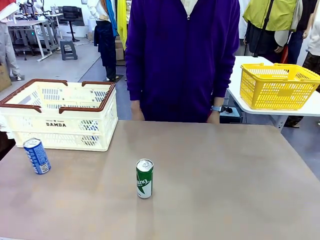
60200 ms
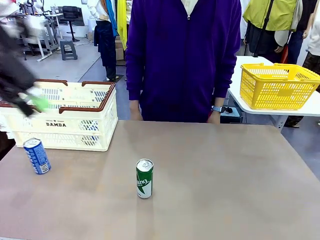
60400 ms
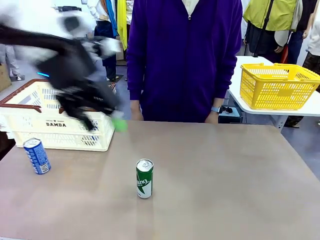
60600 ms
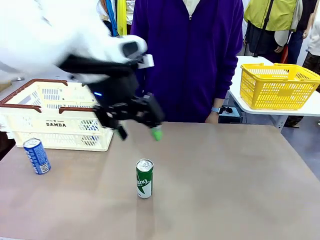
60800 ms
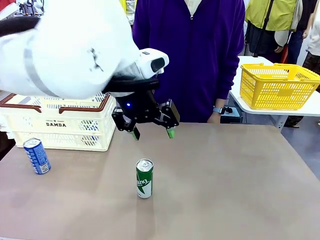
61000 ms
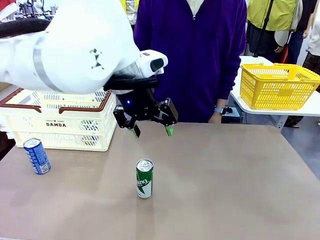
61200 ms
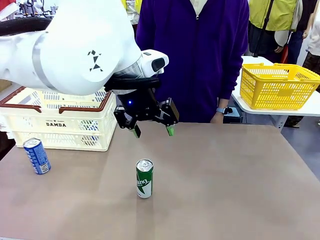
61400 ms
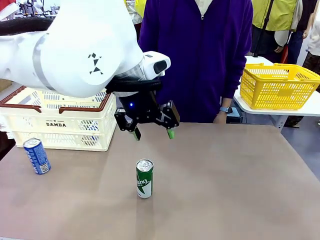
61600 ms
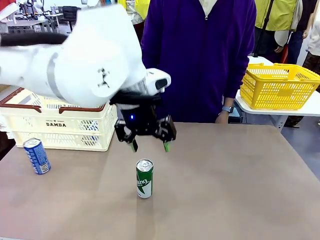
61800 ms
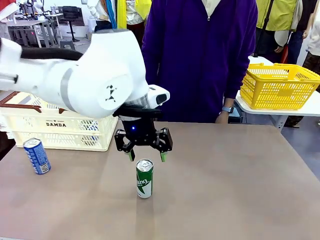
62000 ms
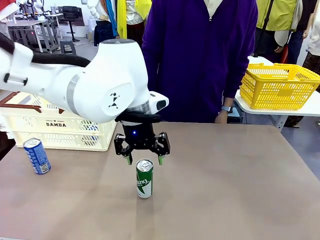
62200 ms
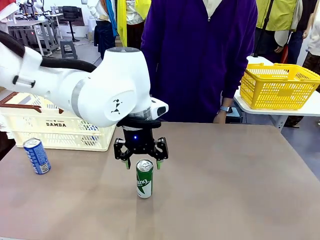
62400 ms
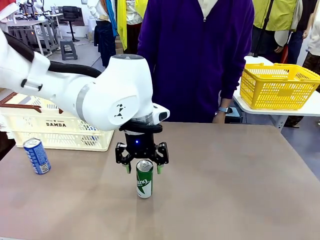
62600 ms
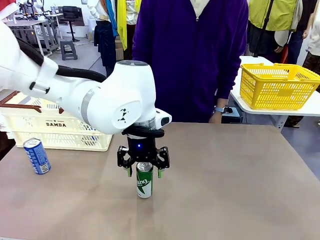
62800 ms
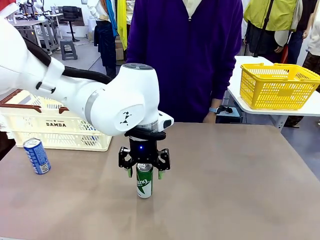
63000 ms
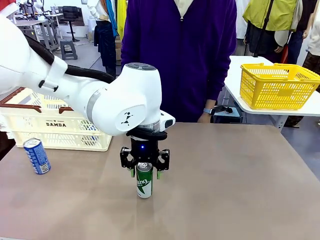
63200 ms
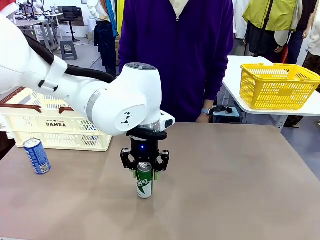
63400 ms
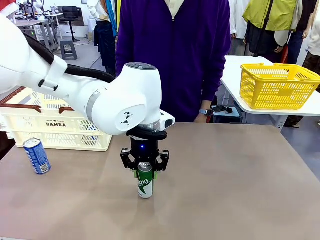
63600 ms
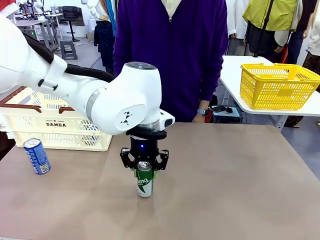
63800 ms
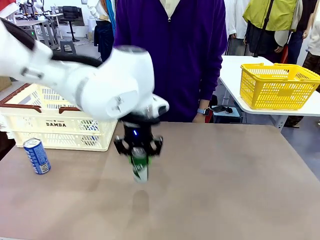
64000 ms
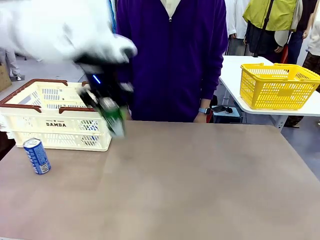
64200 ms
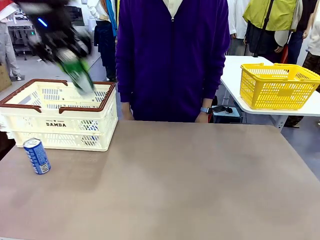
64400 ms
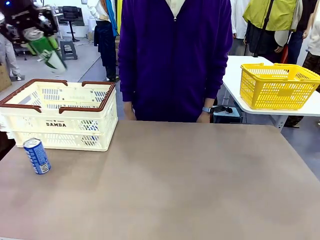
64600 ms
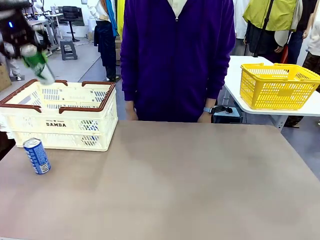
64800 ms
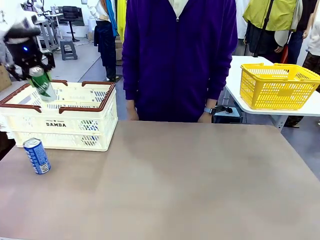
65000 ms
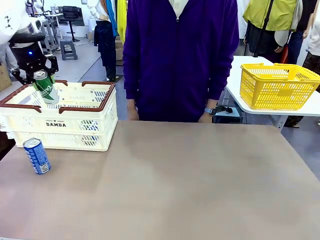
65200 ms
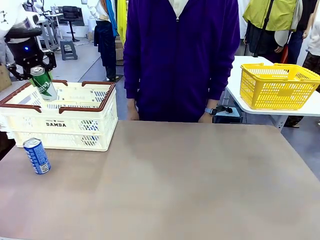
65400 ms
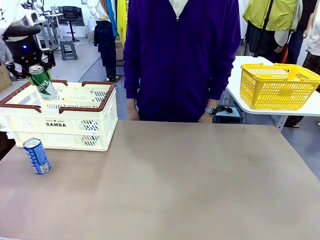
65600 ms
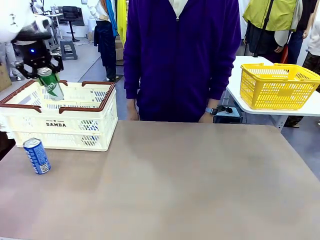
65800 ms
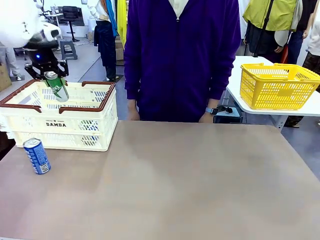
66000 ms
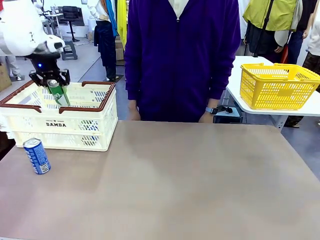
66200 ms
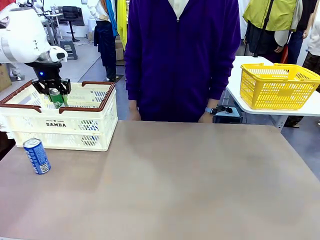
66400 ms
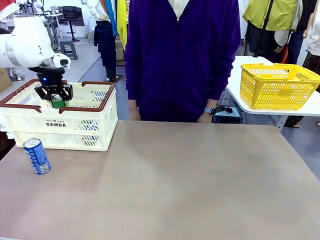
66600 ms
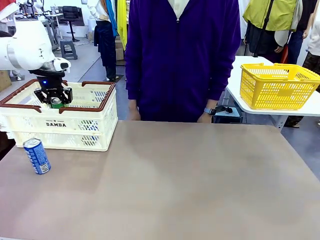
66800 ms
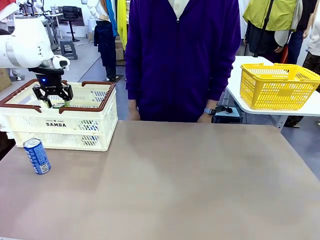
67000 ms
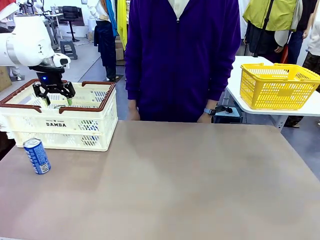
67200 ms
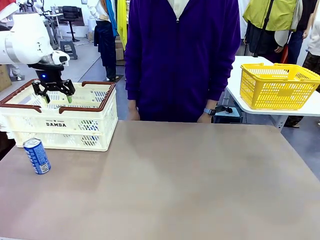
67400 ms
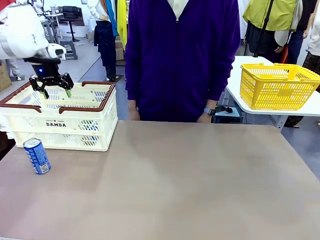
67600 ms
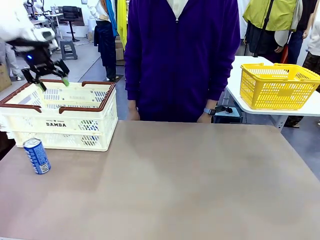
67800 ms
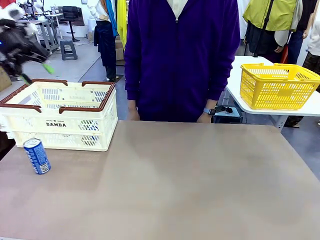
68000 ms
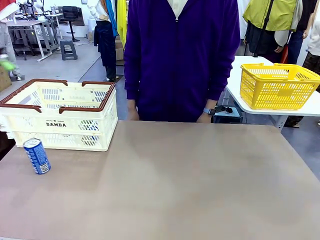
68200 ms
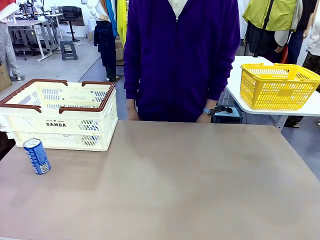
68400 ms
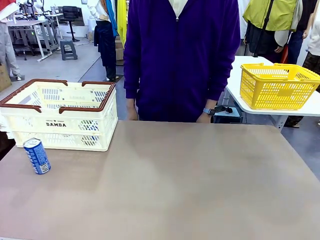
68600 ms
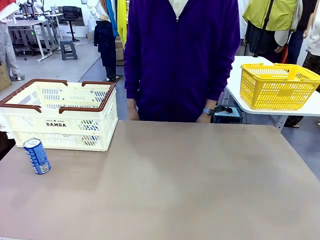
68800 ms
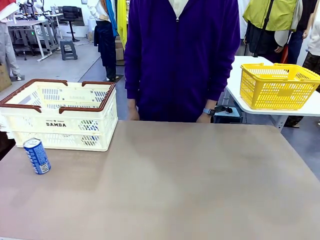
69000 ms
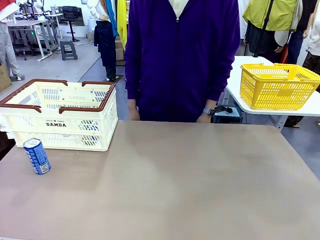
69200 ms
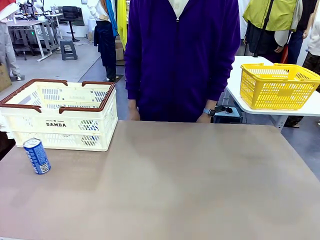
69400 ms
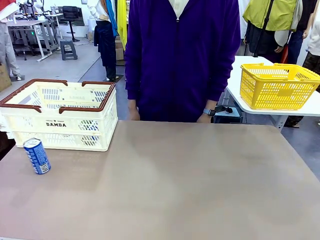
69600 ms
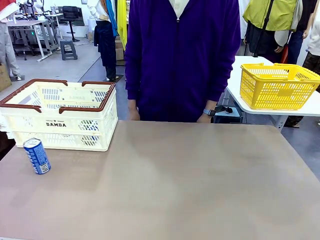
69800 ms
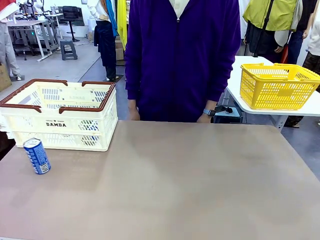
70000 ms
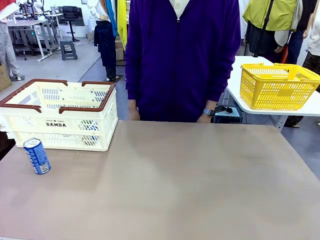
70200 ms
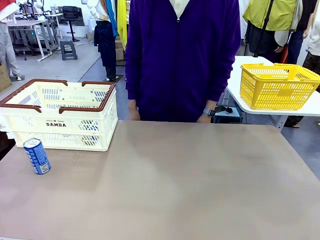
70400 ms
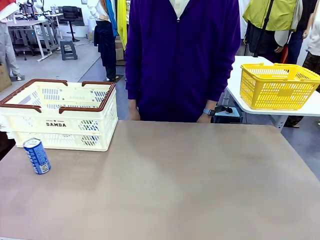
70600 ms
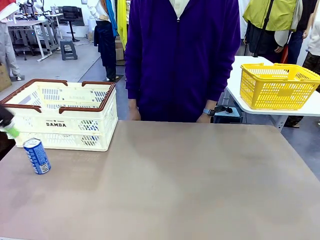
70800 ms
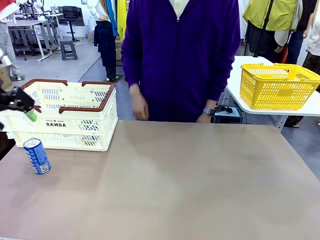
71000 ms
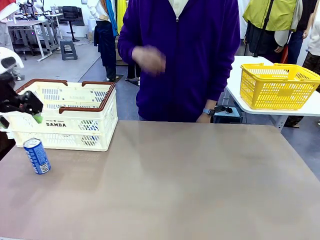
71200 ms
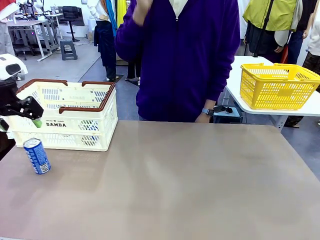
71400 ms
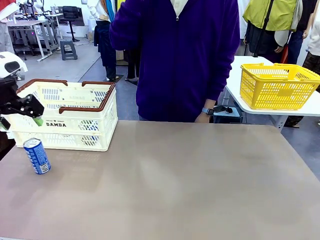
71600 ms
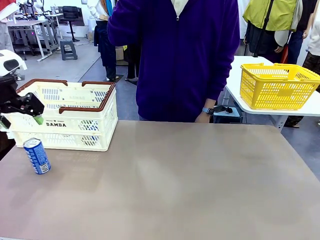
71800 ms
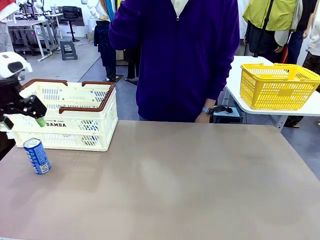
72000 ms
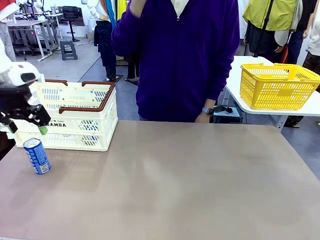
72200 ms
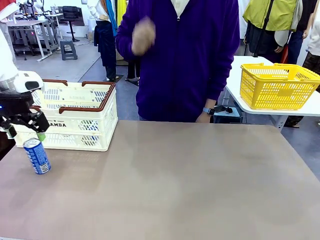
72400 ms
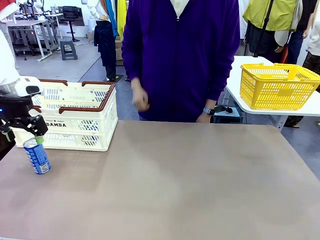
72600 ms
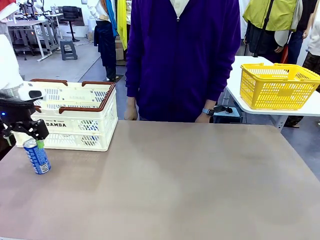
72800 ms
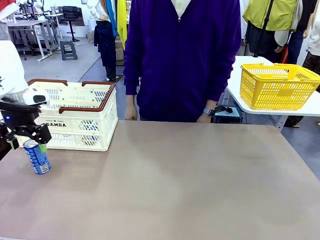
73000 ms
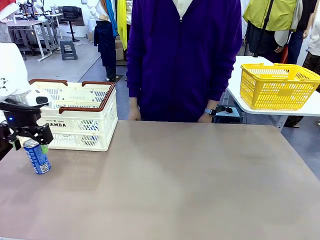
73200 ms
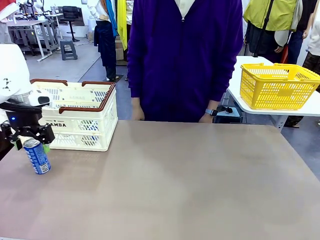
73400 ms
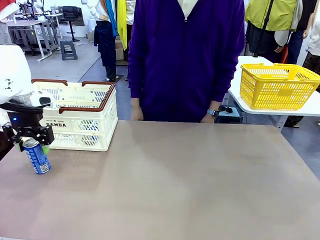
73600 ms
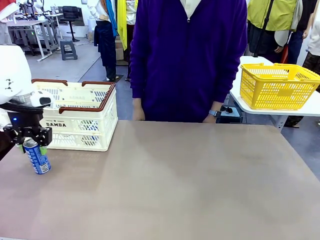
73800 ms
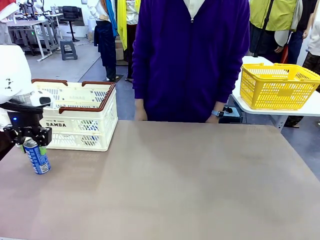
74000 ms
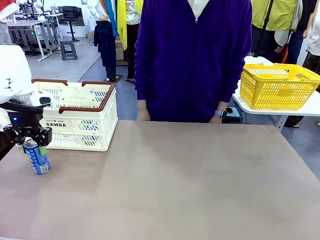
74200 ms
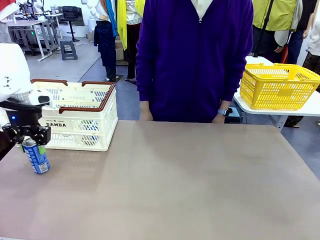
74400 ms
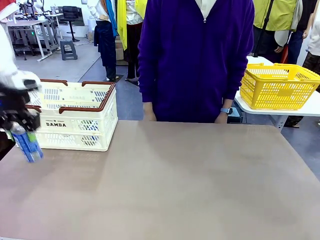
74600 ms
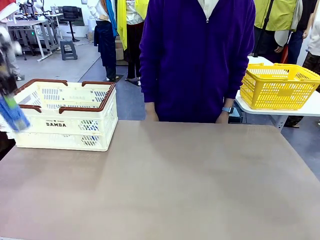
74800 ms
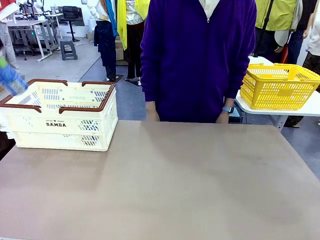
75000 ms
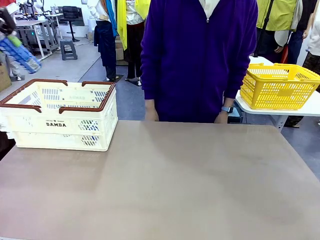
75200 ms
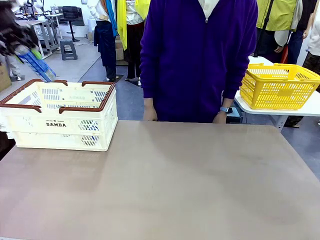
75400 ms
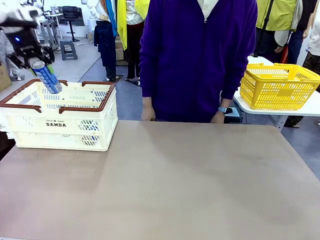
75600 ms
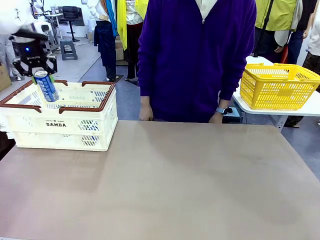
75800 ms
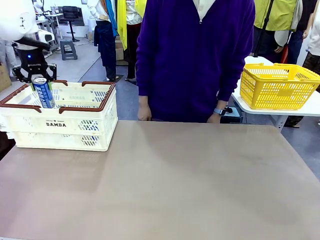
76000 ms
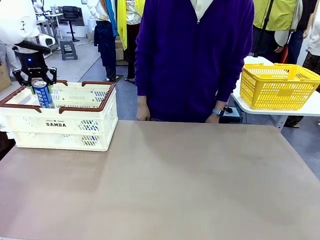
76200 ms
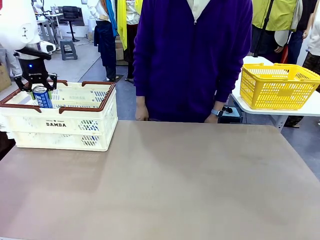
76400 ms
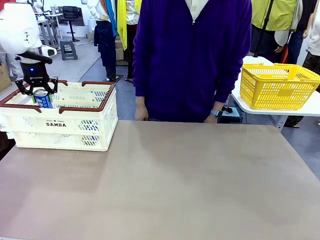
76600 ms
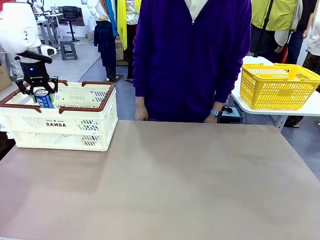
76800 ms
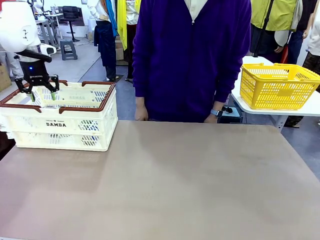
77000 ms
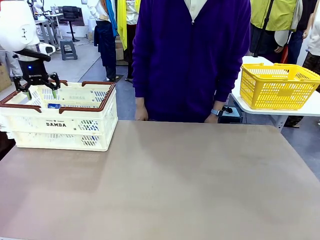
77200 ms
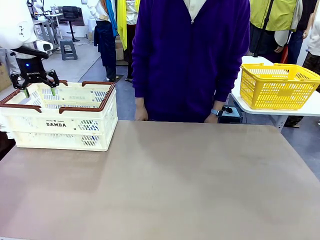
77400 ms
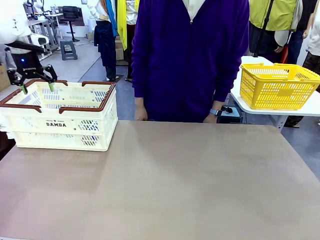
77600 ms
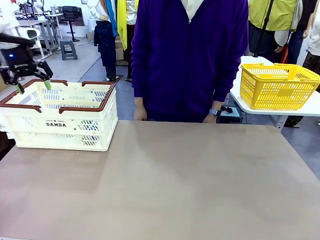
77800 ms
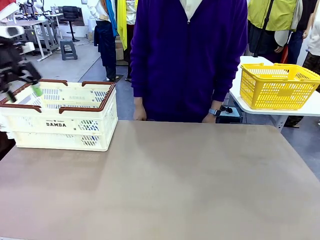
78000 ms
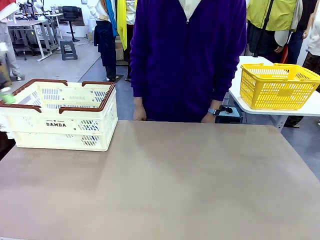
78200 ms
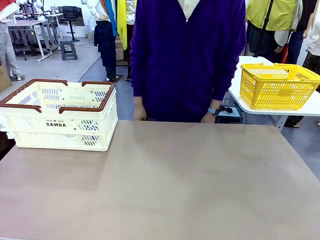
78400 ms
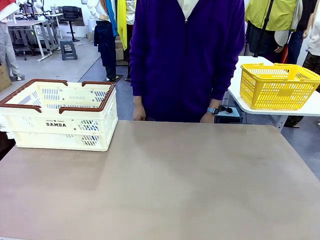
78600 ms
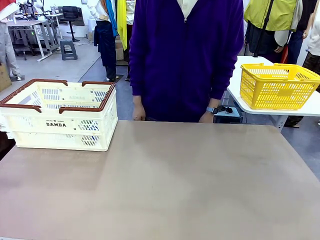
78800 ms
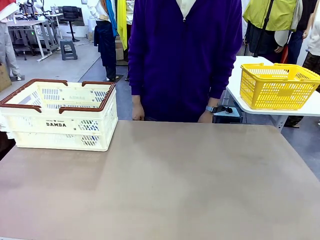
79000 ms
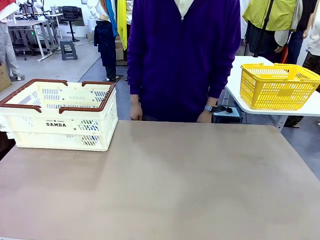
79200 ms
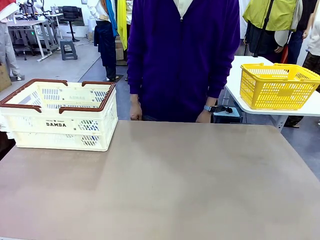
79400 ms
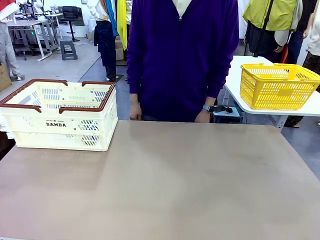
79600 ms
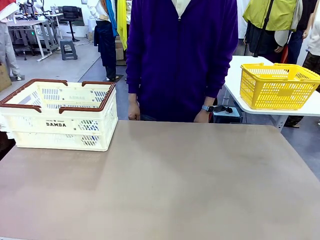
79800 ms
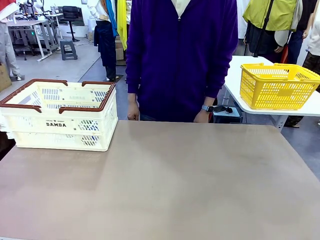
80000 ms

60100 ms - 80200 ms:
Task: Place the drinks into the Shopping basket.
Robot: Pick up one drink and place it into the Shopping basket.
